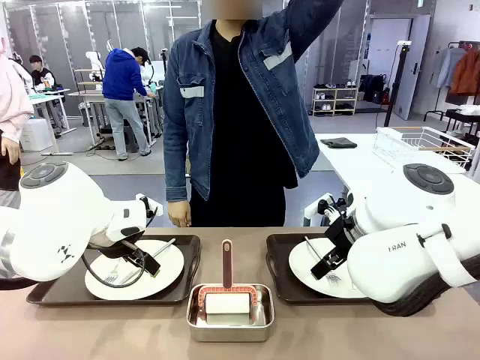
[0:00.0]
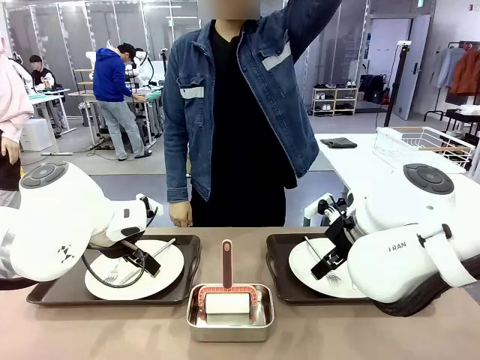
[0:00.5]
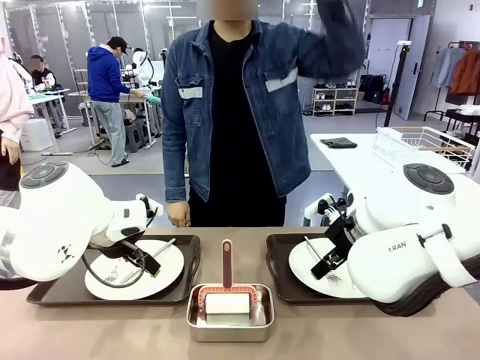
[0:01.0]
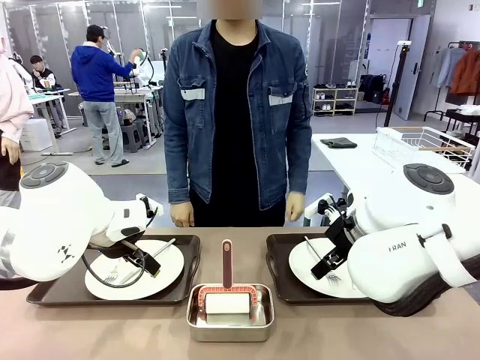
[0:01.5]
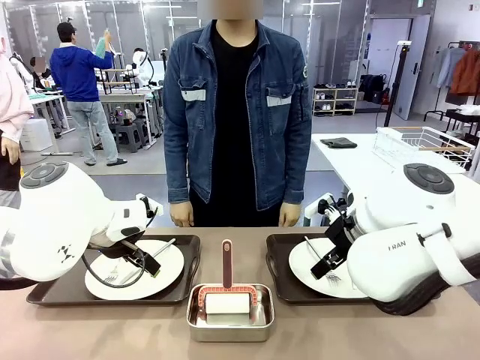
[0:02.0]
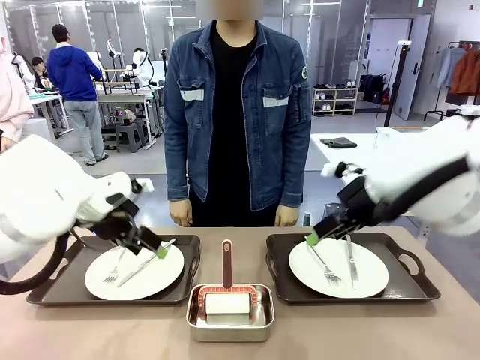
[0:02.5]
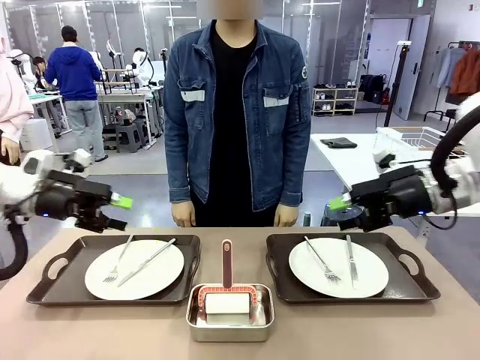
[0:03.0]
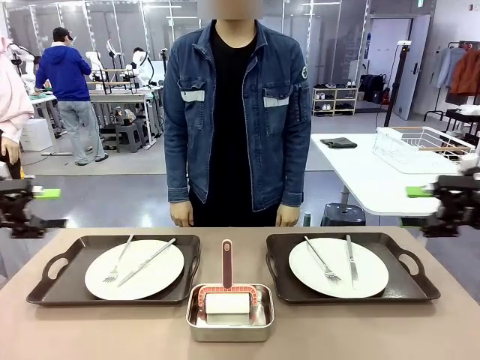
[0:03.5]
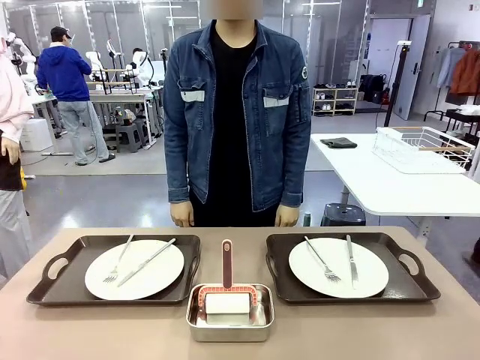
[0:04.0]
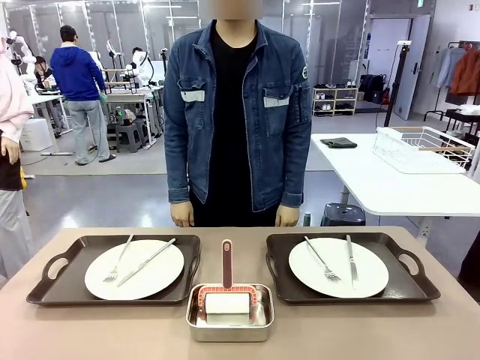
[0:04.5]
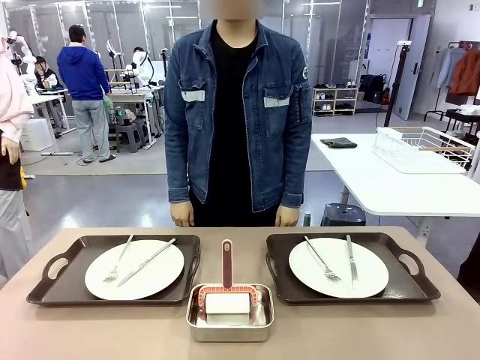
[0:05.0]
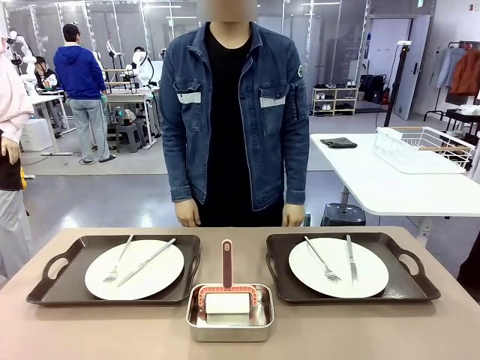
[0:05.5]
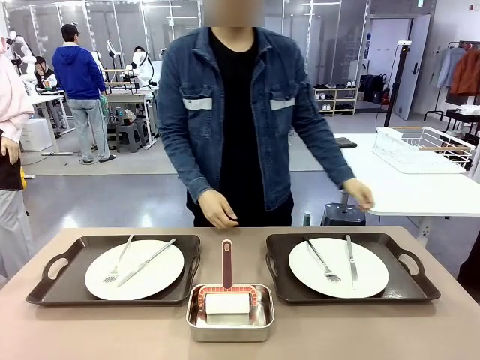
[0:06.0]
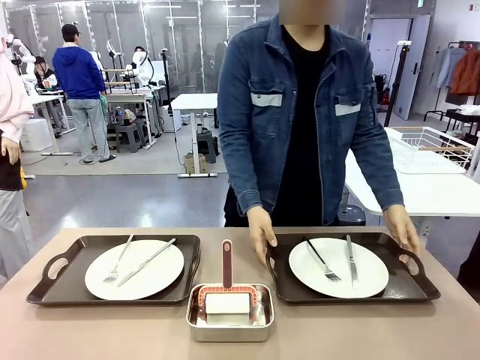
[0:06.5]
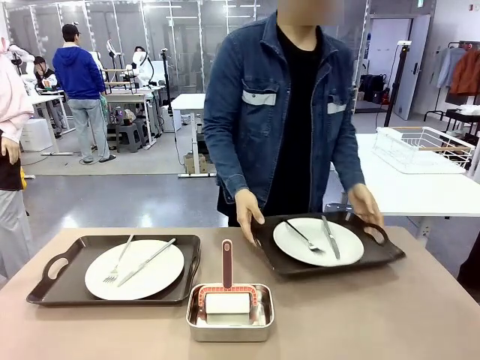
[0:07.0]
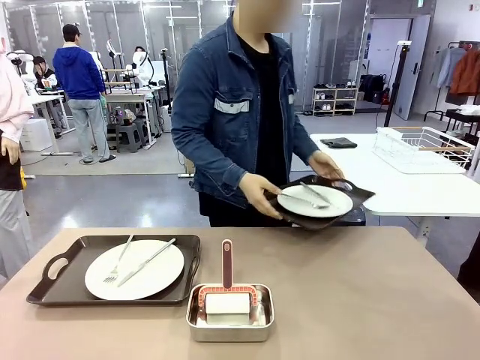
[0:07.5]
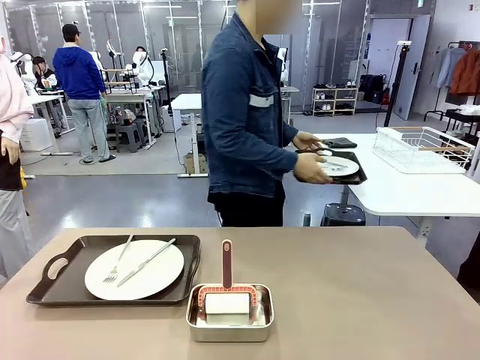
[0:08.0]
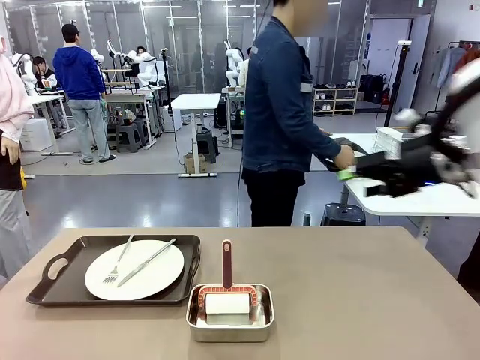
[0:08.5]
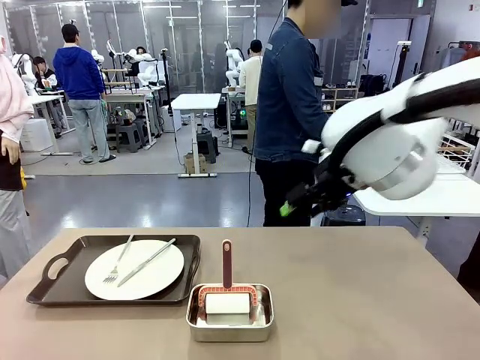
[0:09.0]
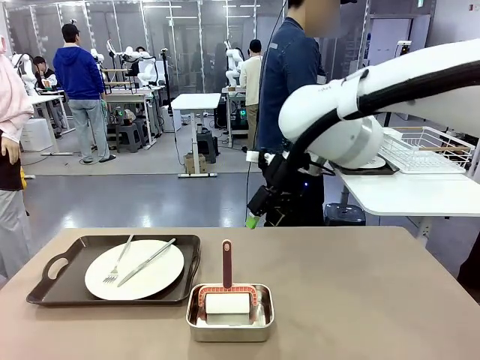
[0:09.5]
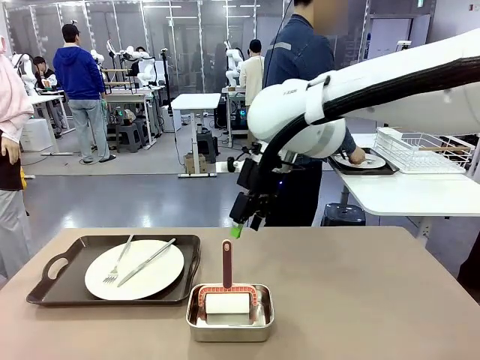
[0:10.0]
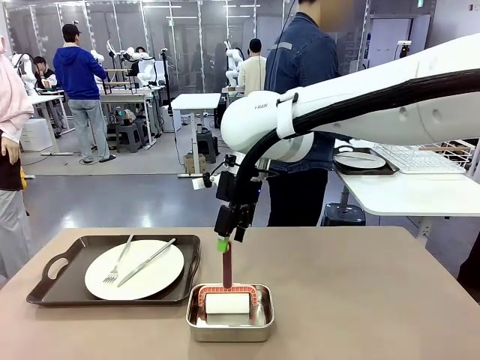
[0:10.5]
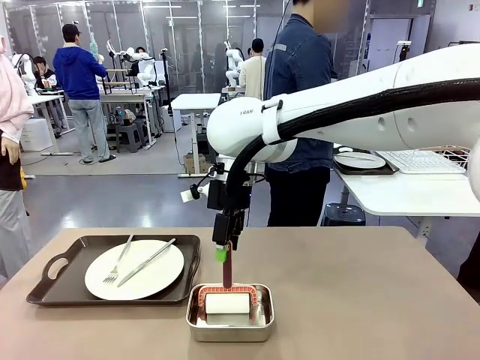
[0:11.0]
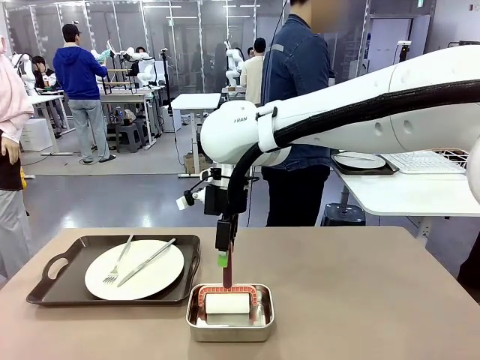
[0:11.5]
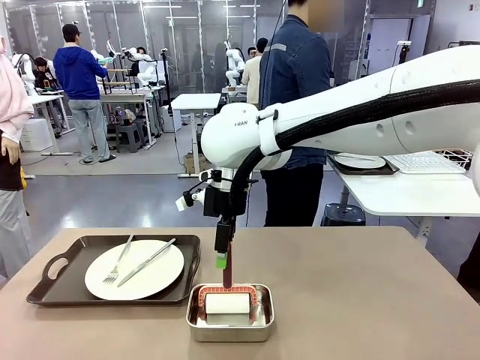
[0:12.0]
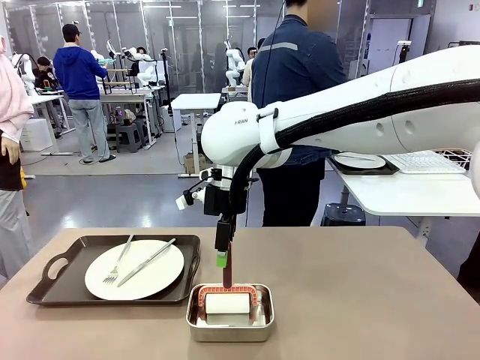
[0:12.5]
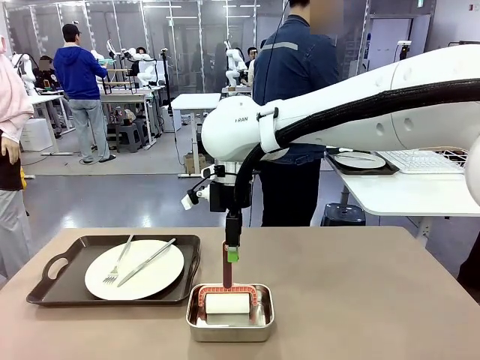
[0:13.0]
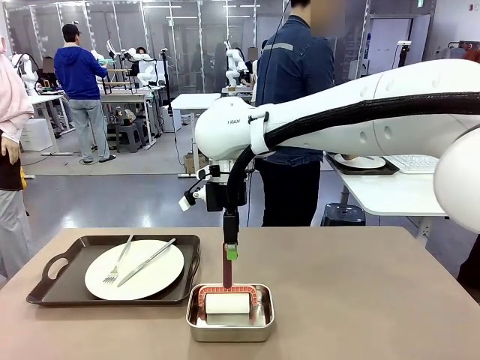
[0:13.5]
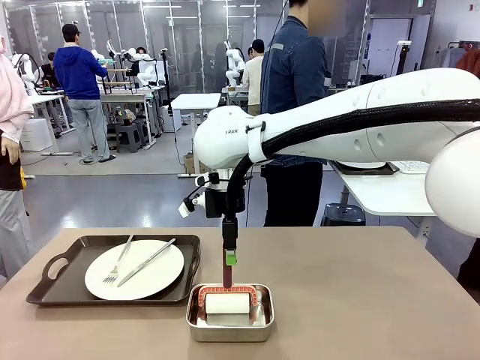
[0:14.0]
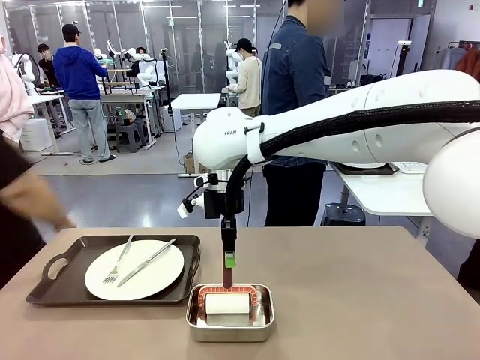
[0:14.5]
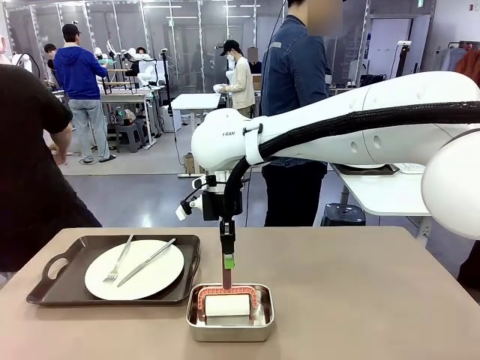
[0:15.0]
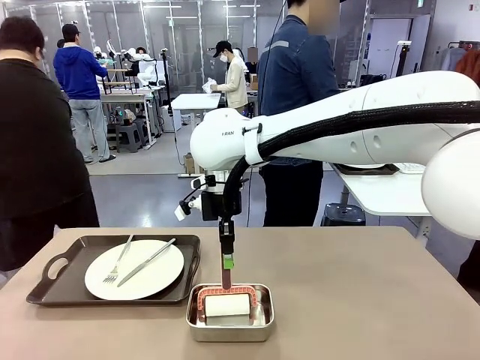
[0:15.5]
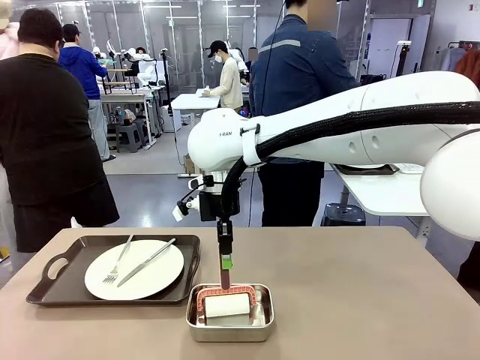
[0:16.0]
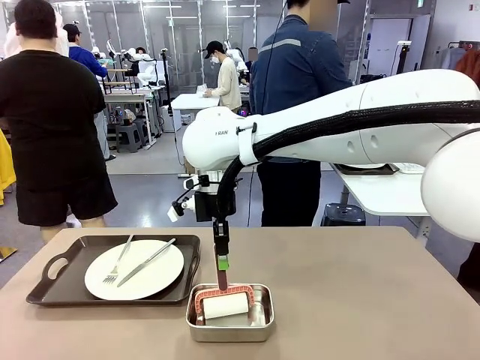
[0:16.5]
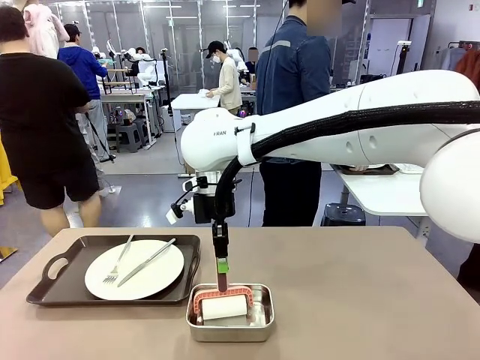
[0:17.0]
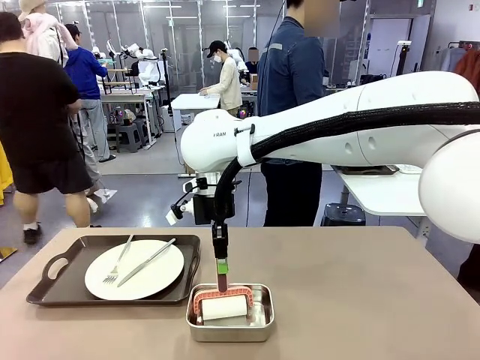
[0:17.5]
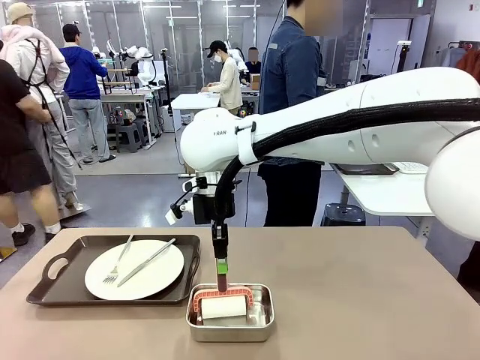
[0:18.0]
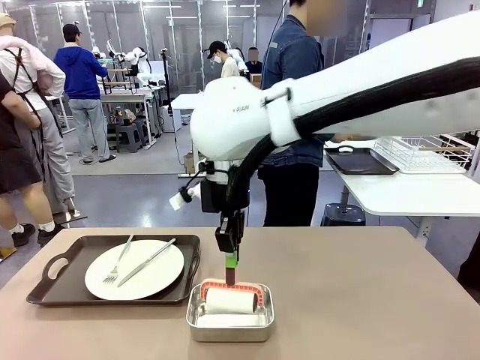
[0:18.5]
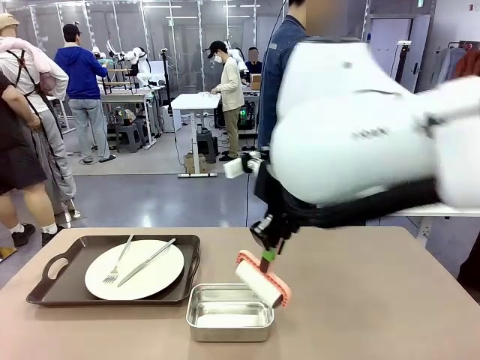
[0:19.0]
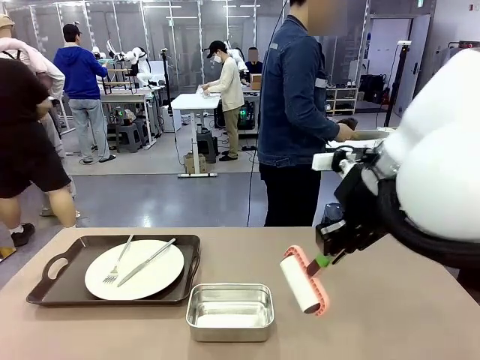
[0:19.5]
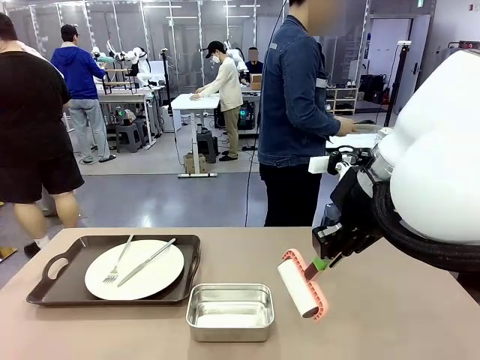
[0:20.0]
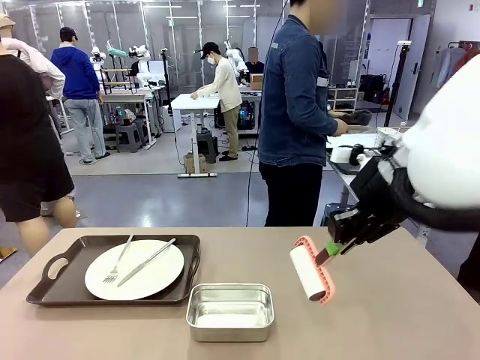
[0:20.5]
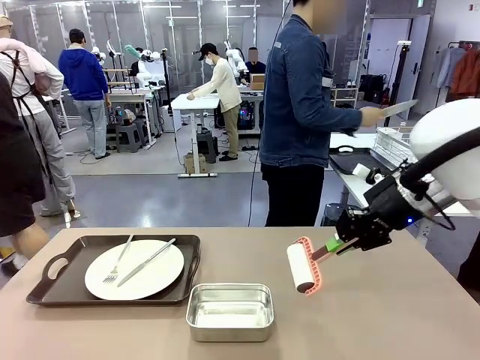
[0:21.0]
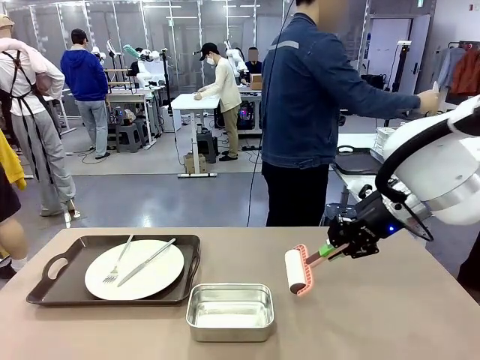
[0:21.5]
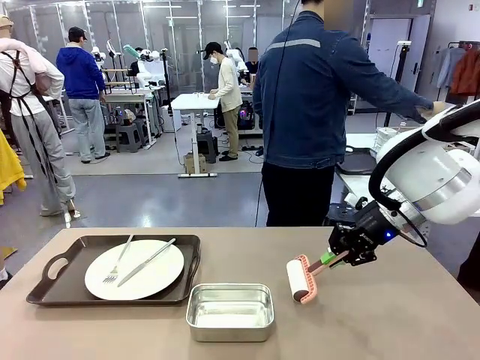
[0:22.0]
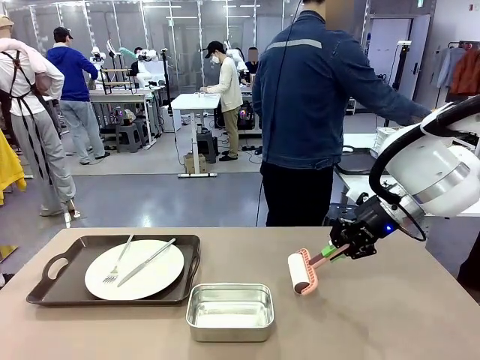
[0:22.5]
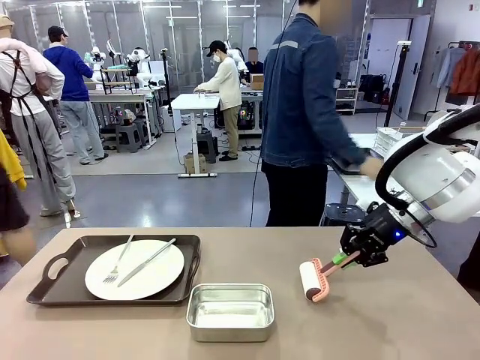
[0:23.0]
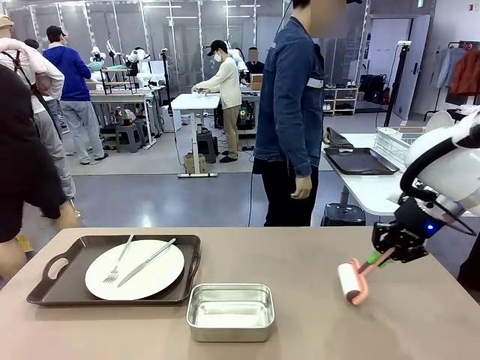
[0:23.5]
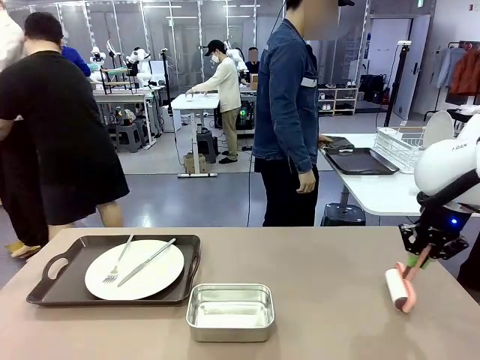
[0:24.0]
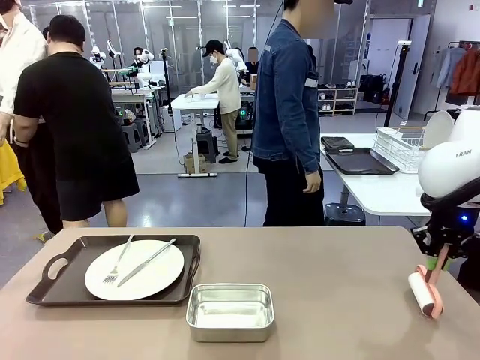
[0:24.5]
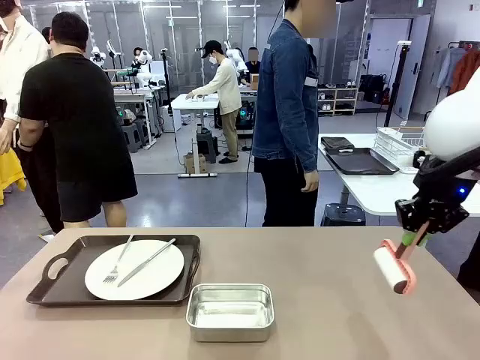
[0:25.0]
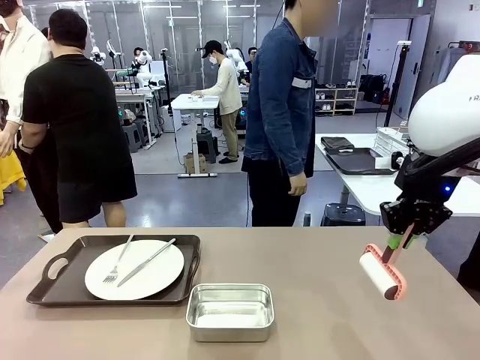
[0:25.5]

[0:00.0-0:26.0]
Robot: When the left (or right) Handle tray is removed, use the left hand (or right hand) to clean the left (or right) side of the table with the Lint Roller.
Person: Pick up the left (or right) Handle tray and place it on the middle of the Human's table. Use the Towel with hook to wipe the Plastic Matte Plate , Fork , and Knife and place into the Dish drying rack.
